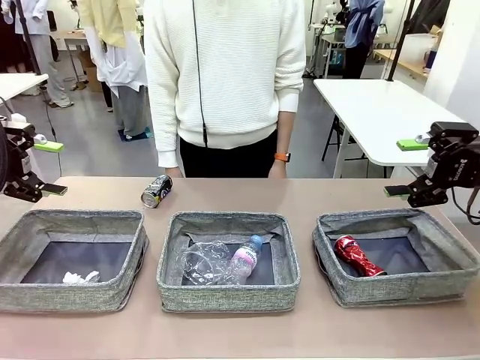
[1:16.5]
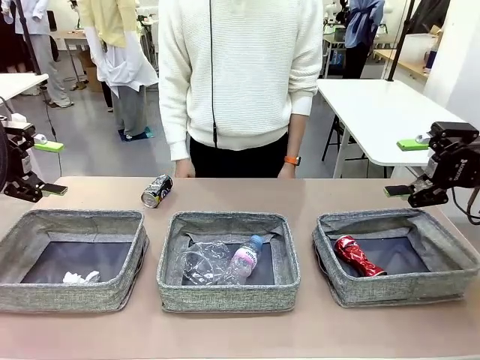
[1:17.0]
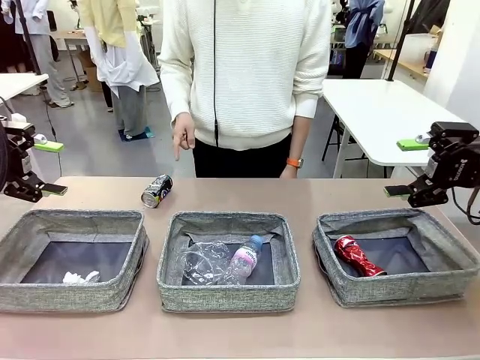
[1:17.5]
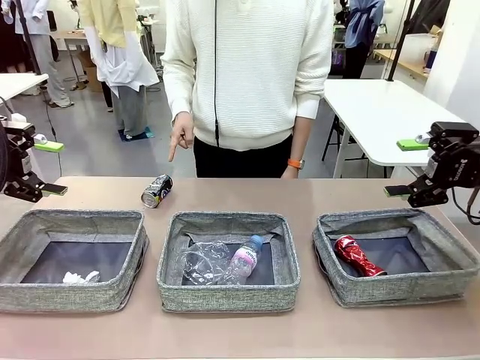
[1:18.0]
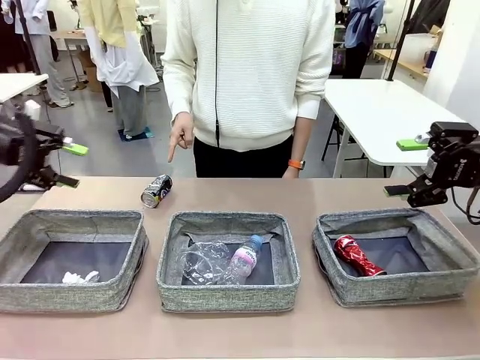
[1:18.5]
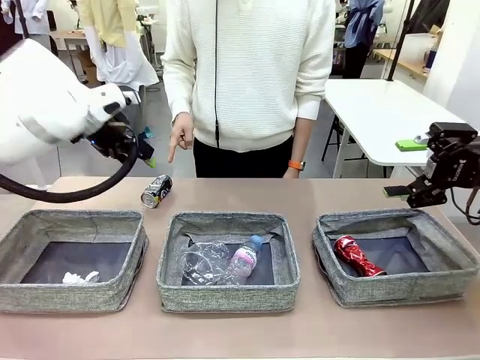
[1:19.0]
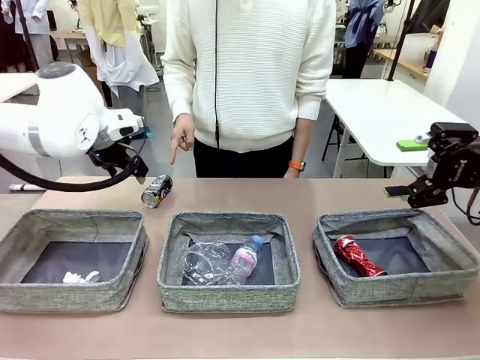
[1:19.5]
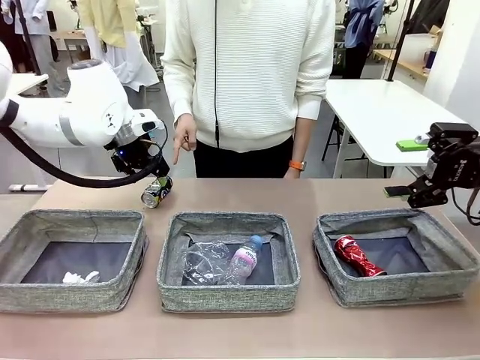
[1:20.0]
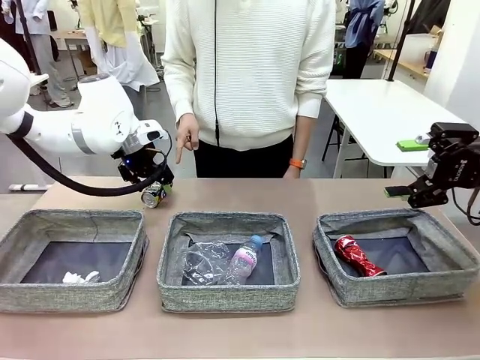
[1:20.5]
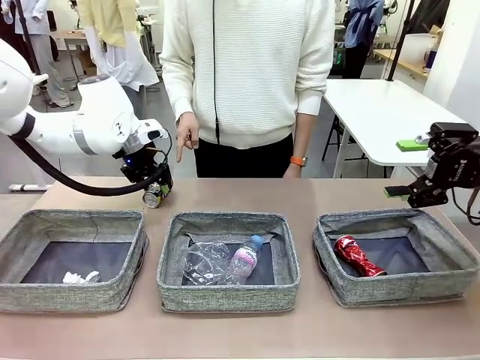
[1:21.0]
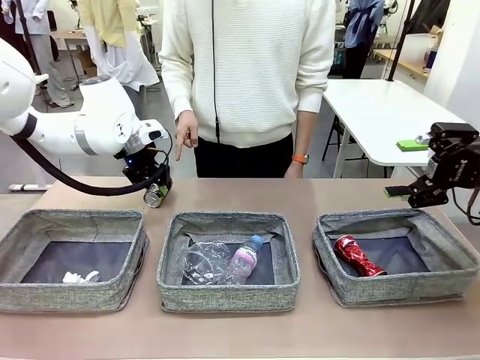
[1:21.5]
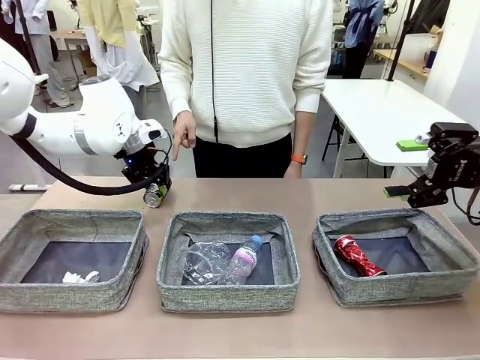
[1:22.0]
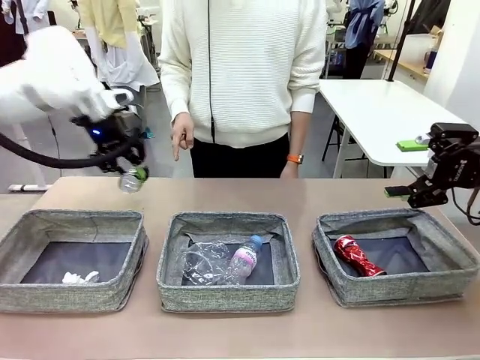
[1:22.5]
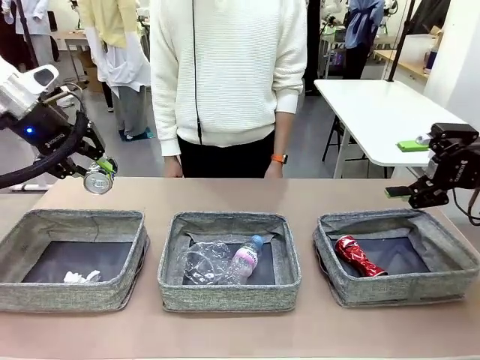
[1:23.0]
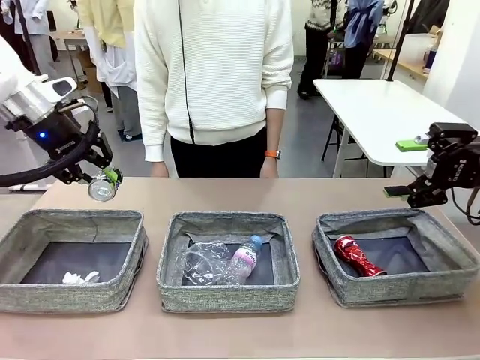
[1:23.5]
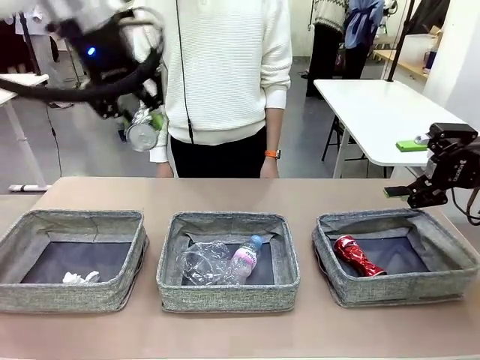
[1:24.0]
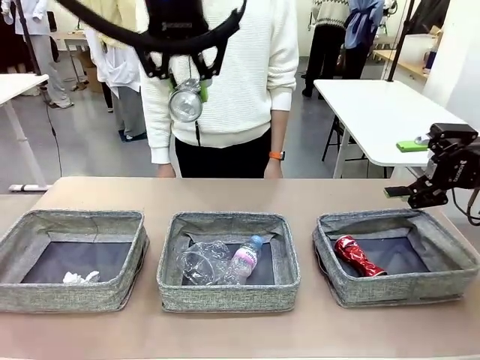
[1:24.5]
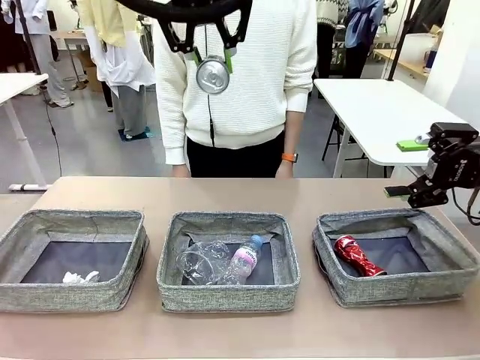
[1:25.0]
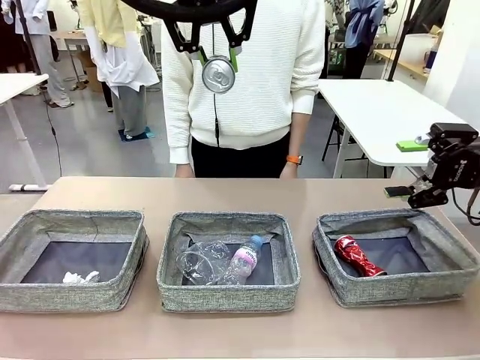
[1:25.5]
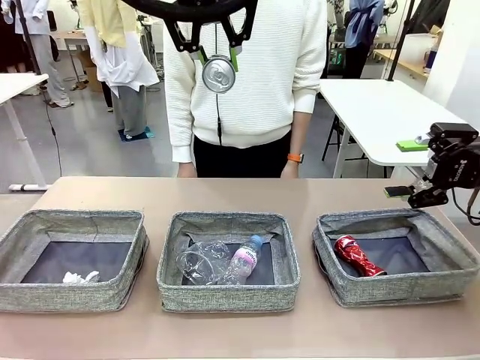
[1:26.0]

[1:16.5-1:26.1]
Task: Sort the waste into the appropriate baskets.
Robot: Pick up the waste item pointed out by the person.
Person: Points to one piece of trash on the table.

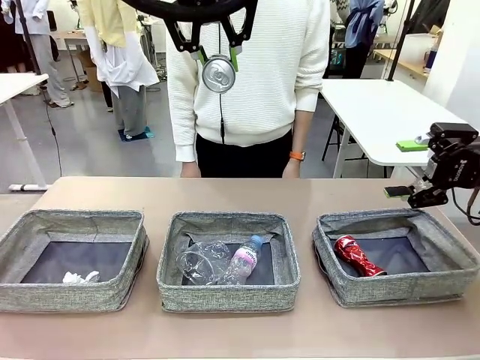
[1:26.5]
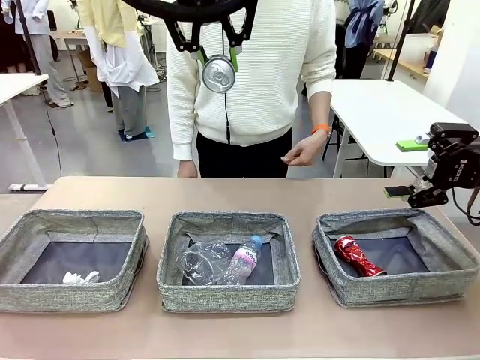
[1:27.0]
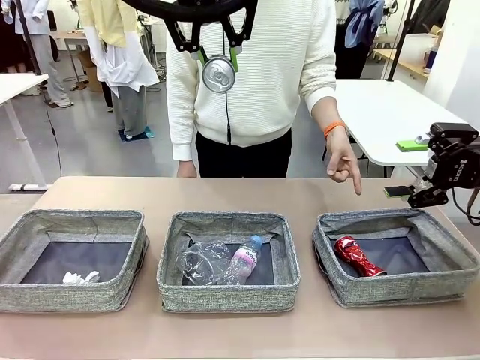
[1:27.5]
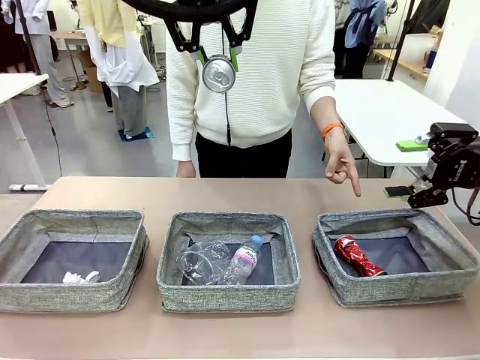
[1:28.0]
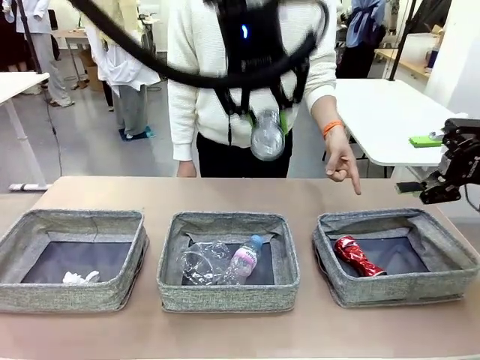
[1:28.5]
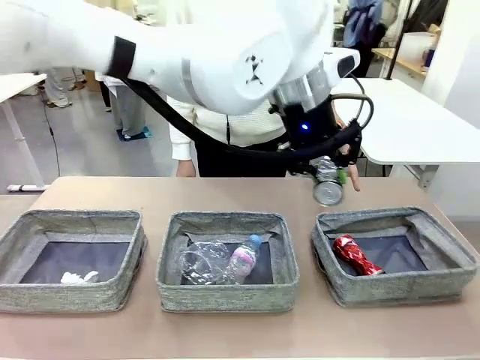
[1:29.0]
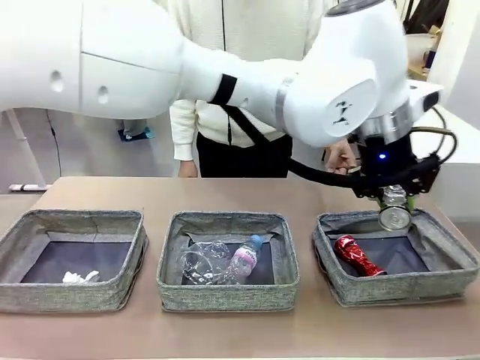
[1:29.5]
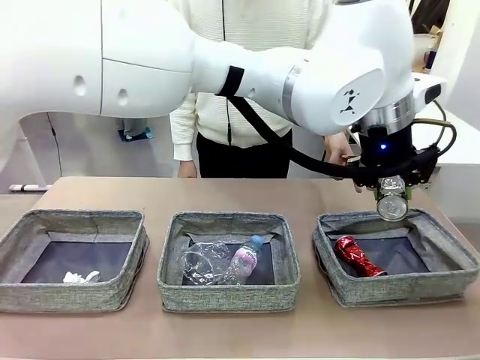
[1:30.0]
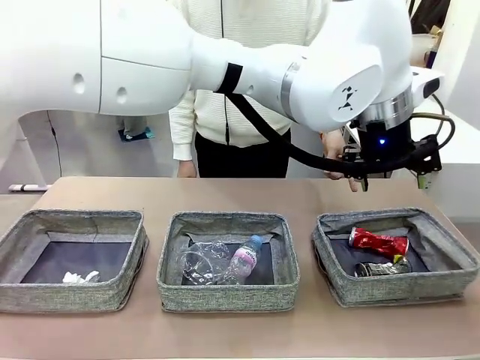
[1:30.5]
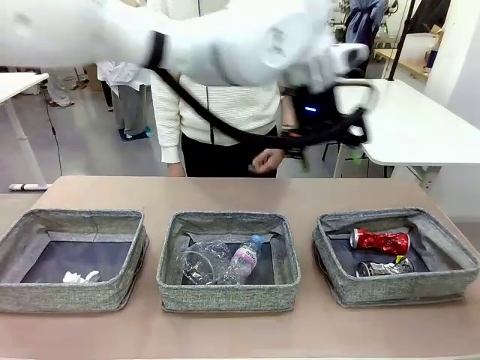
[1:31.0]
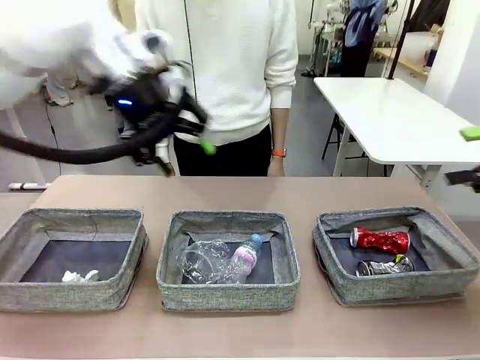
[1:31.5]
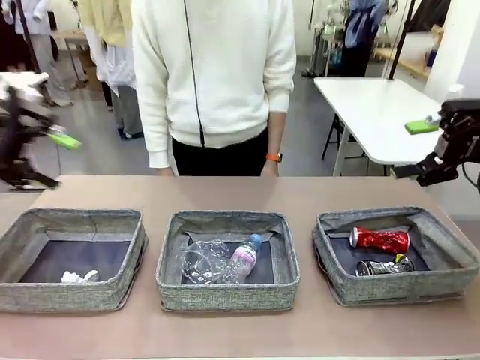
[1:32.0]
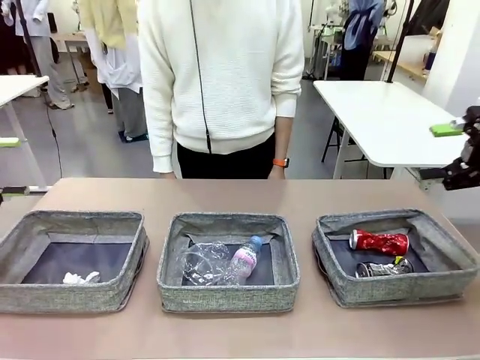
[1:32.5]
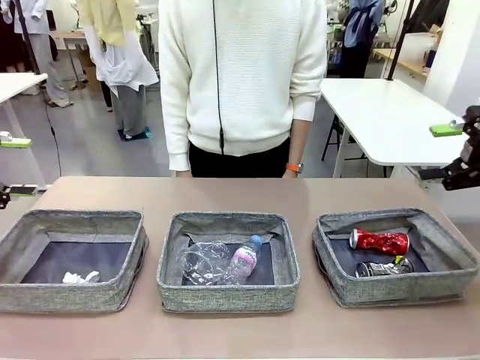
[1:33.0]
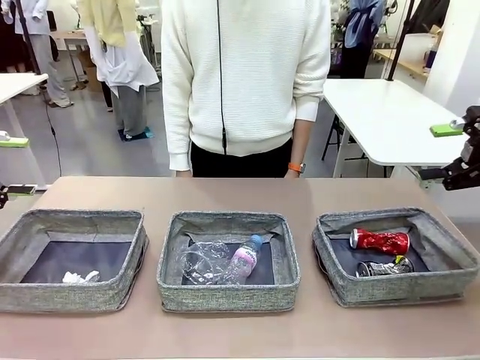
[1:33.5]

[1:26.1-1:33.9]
Robot: Place the picked waste into the Fabric basket indicated by the person.
Person: Instructs the robot to place the picked-up trash into the appropriate organizing basket.

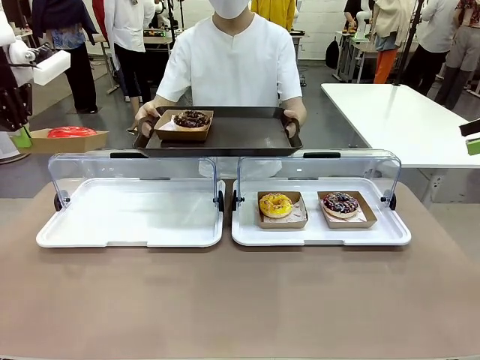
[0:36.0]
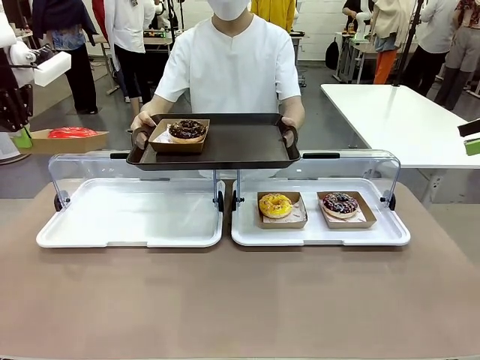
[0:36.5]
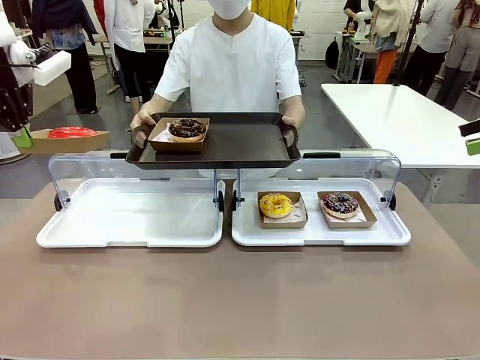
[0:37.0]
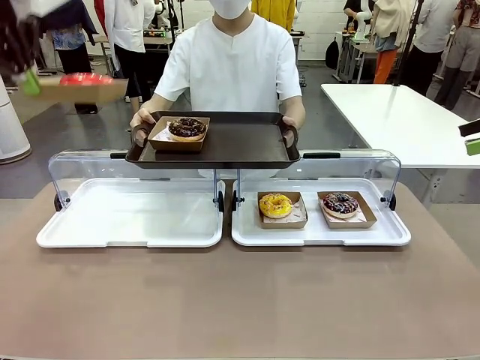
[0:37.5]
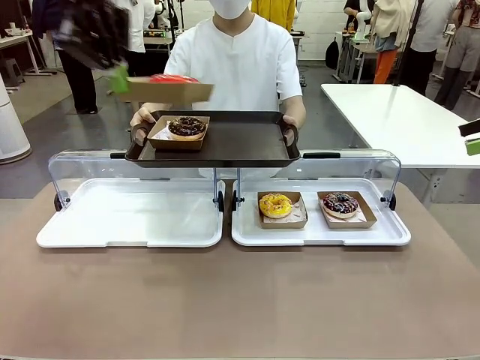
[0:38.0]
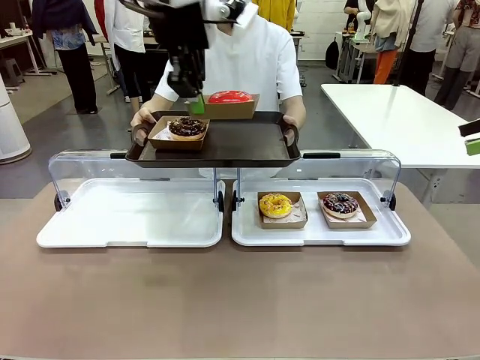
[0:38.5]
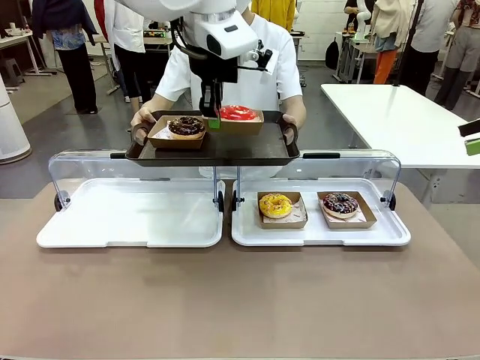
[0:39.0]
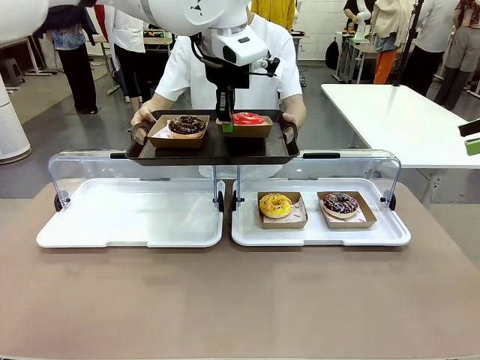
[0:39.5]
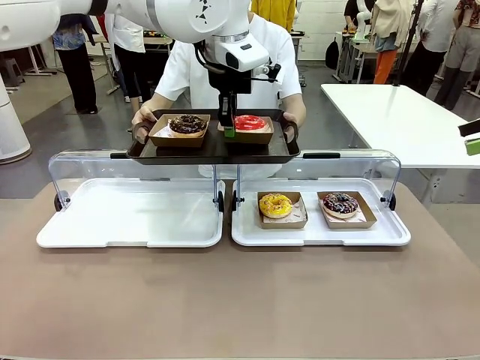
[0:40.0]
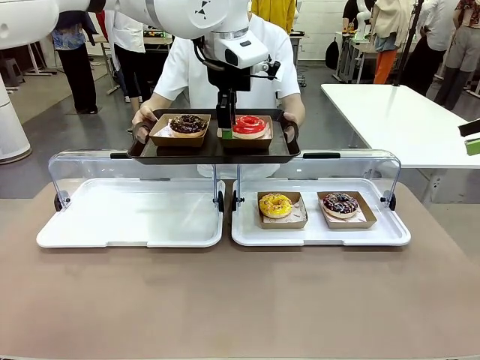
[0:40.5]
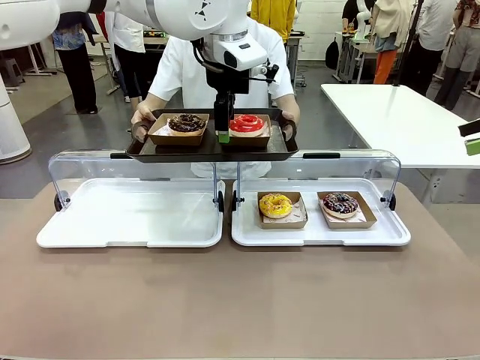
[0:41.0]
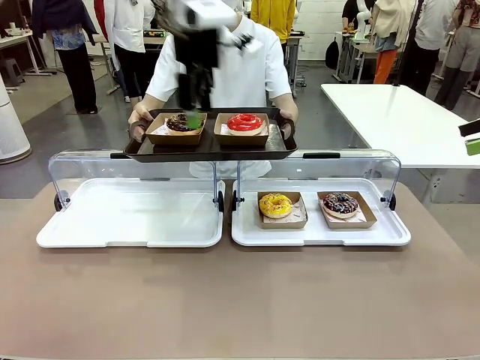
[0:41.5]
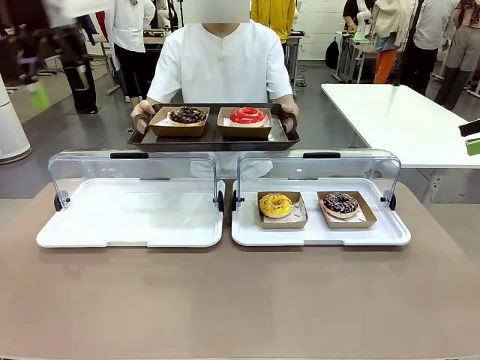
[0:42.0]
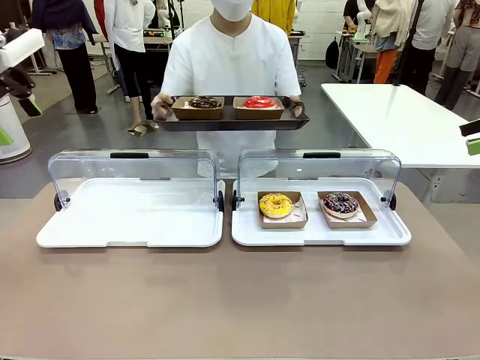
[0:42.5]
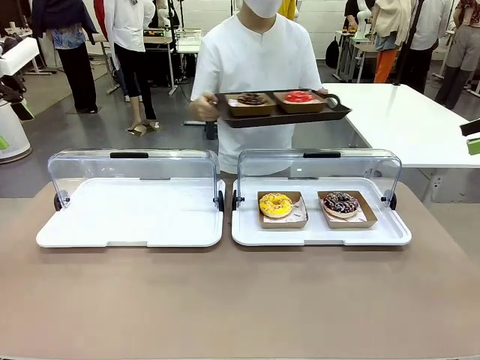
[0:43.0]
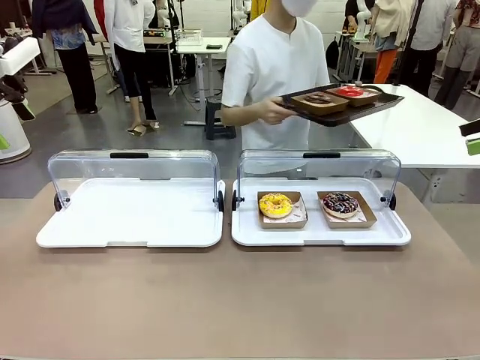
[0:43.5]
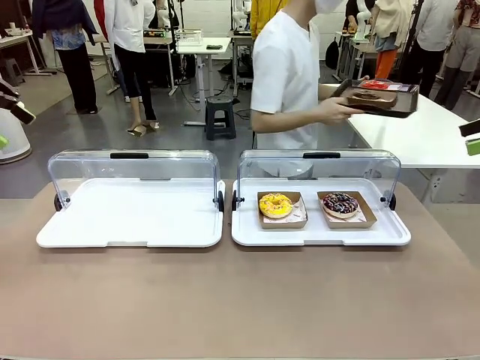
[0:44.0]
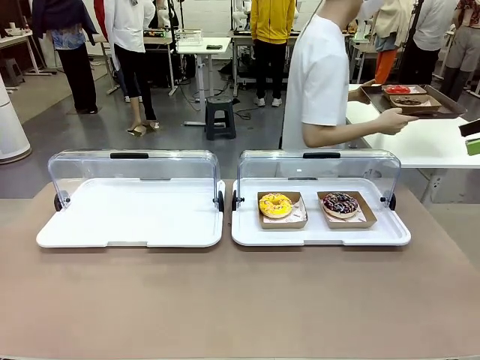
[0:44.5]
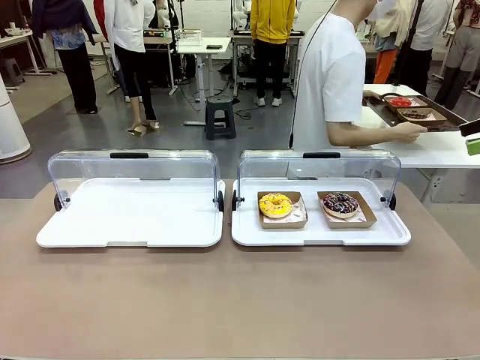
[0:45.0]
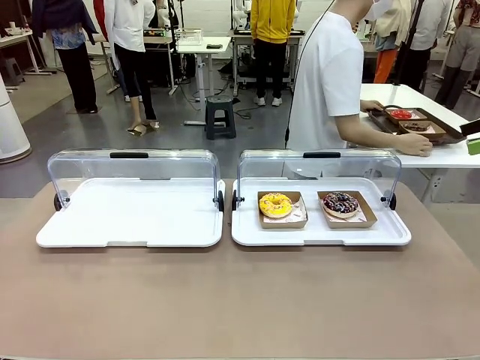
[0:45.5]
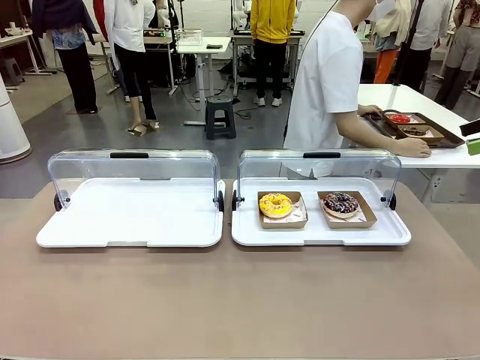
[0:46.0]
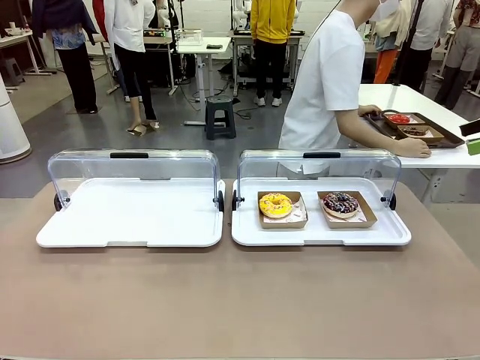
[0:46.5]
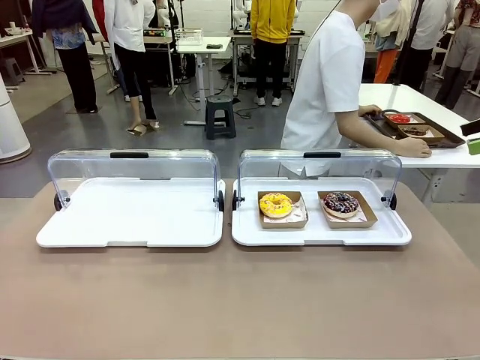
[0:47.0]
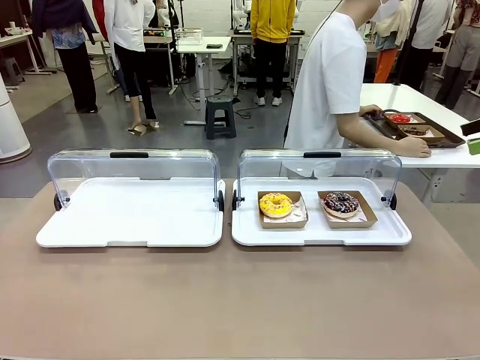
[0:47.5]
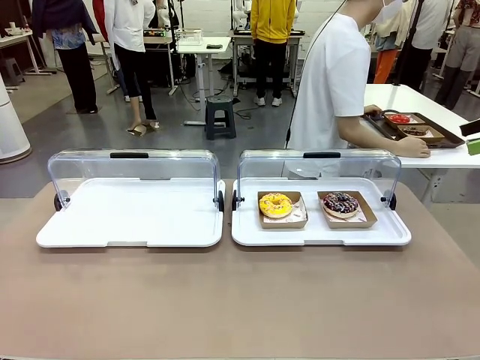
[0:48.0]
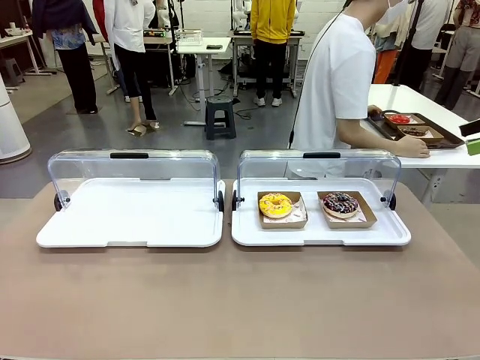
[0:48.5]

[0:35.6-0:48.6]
Task: Provide the desired donut to the person.
Robot: Place the picked Paper togo box onto the Handle tray extended by the person.
Person: Place the tray in the middle of the human table.
